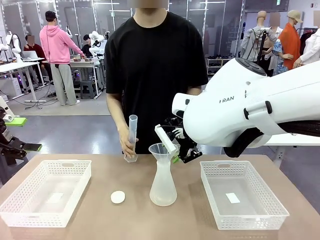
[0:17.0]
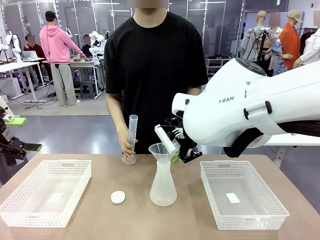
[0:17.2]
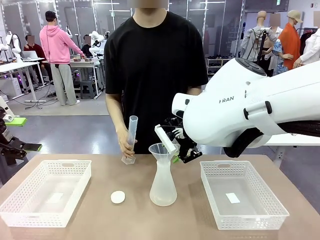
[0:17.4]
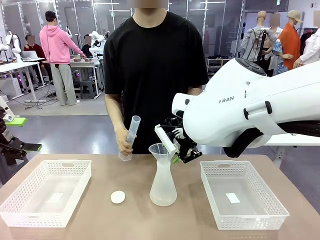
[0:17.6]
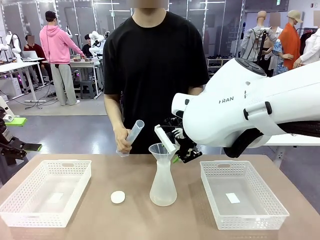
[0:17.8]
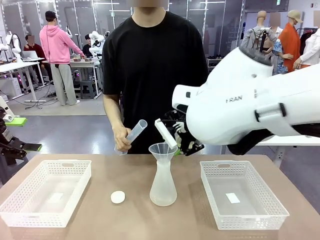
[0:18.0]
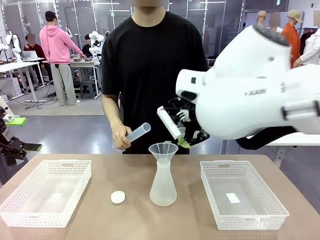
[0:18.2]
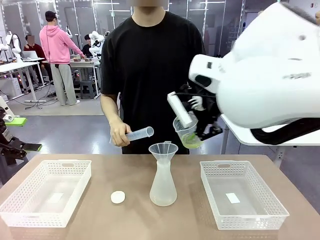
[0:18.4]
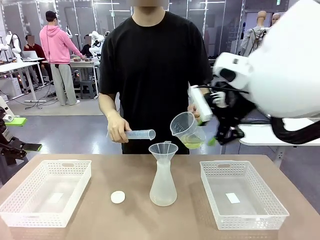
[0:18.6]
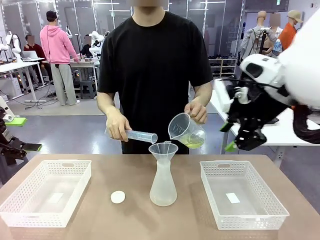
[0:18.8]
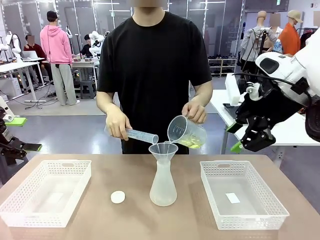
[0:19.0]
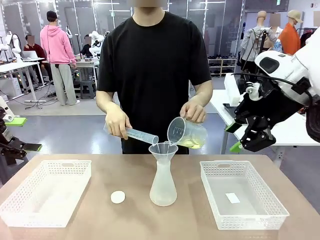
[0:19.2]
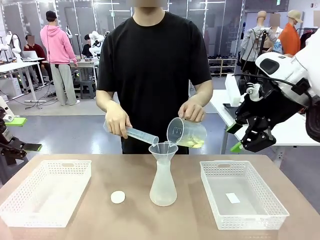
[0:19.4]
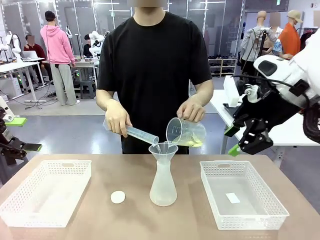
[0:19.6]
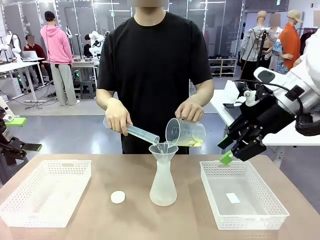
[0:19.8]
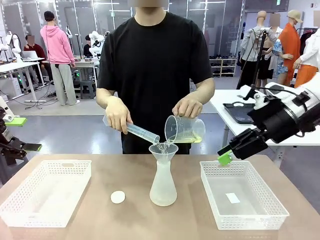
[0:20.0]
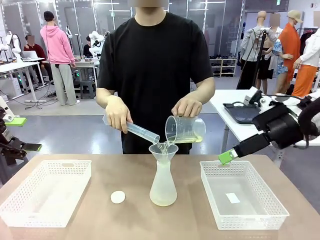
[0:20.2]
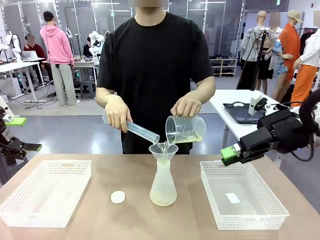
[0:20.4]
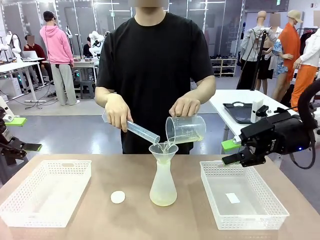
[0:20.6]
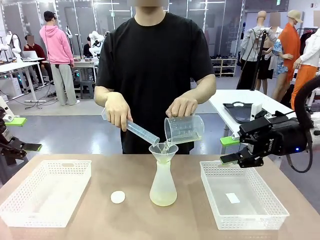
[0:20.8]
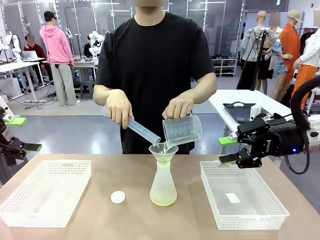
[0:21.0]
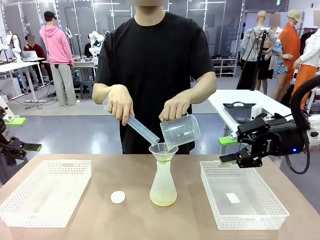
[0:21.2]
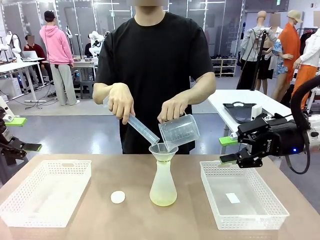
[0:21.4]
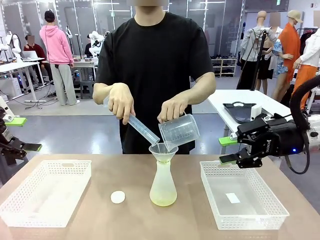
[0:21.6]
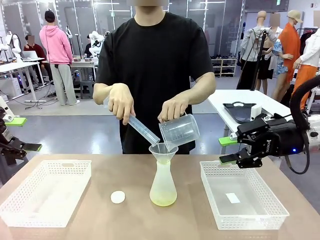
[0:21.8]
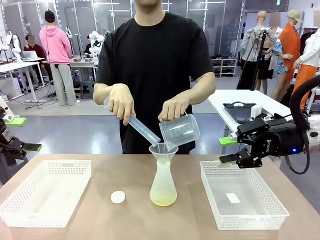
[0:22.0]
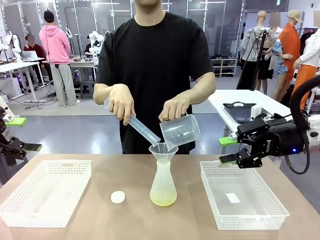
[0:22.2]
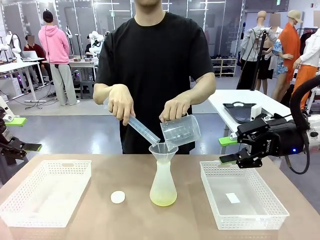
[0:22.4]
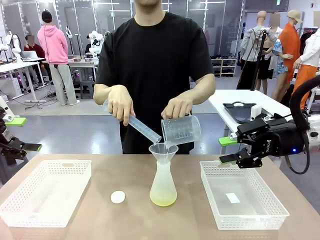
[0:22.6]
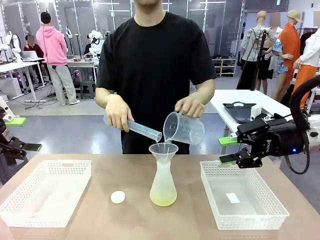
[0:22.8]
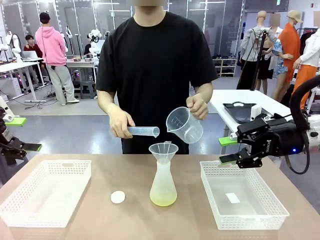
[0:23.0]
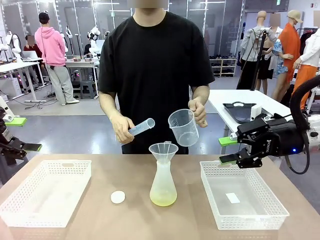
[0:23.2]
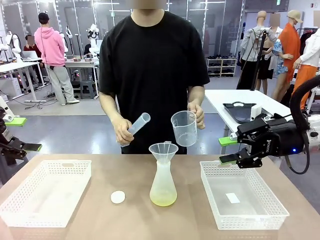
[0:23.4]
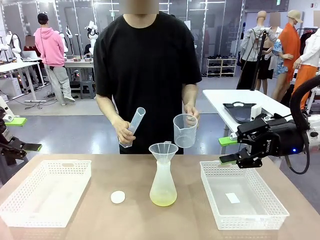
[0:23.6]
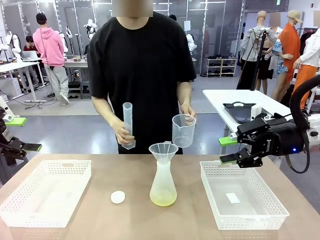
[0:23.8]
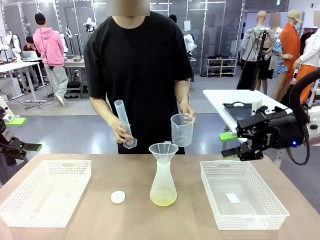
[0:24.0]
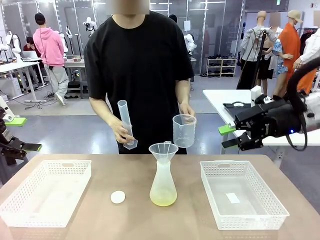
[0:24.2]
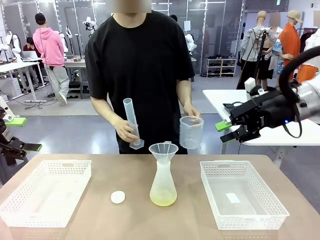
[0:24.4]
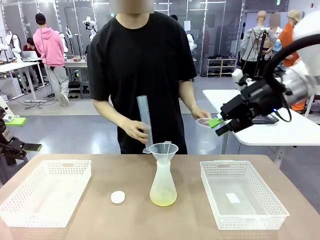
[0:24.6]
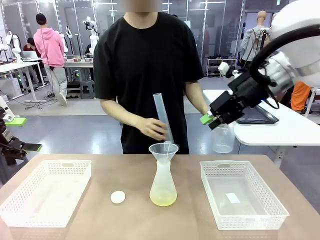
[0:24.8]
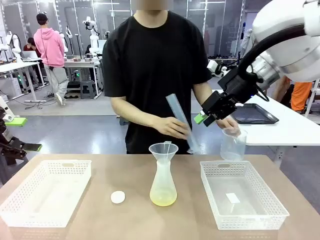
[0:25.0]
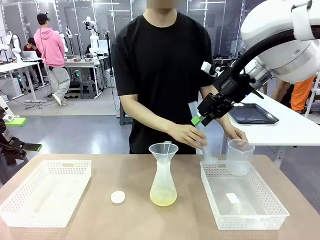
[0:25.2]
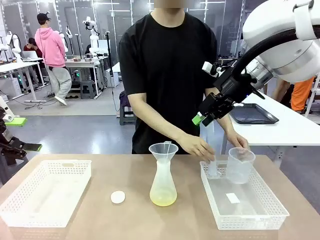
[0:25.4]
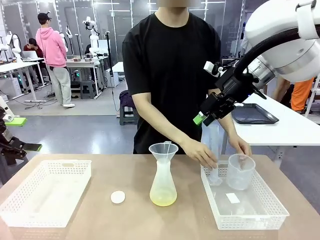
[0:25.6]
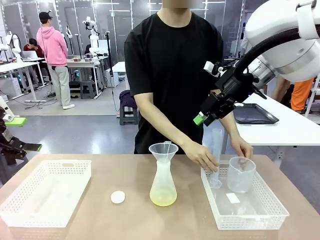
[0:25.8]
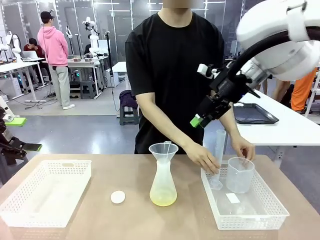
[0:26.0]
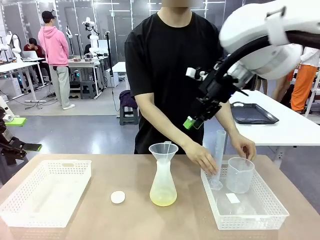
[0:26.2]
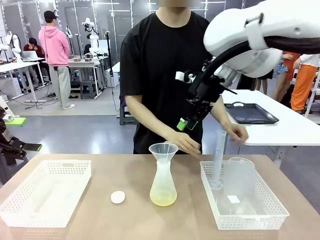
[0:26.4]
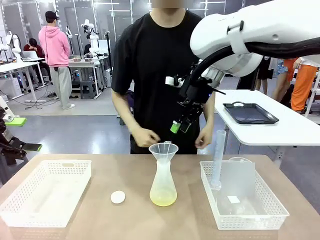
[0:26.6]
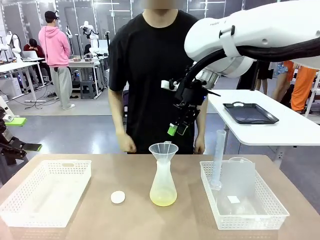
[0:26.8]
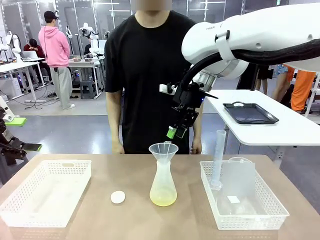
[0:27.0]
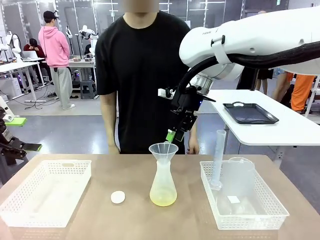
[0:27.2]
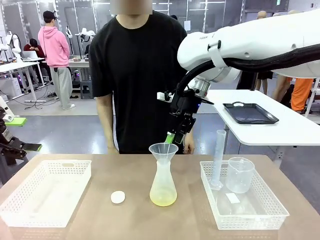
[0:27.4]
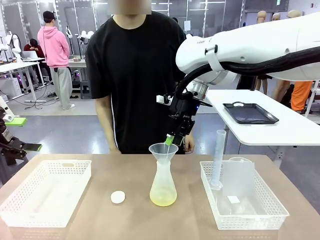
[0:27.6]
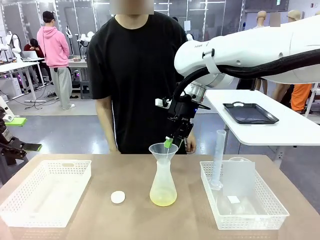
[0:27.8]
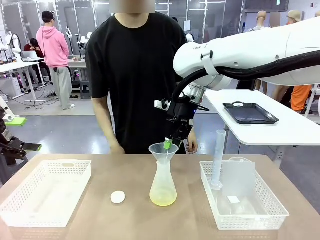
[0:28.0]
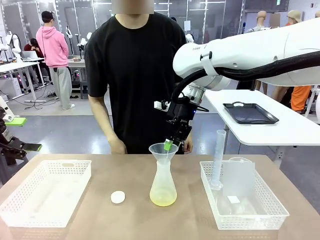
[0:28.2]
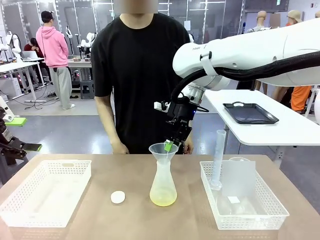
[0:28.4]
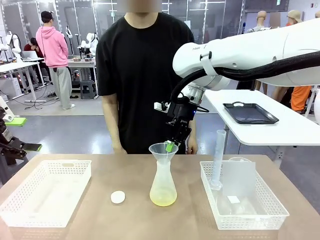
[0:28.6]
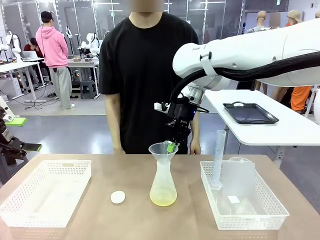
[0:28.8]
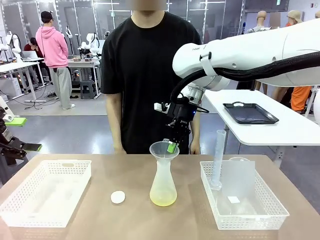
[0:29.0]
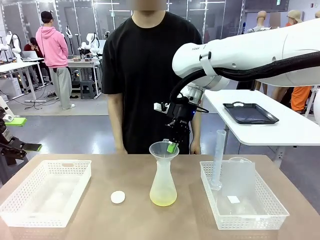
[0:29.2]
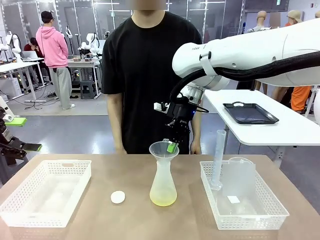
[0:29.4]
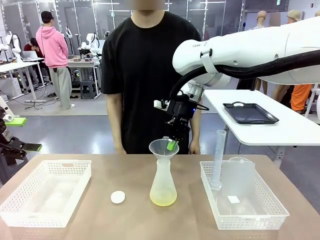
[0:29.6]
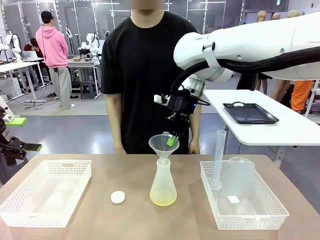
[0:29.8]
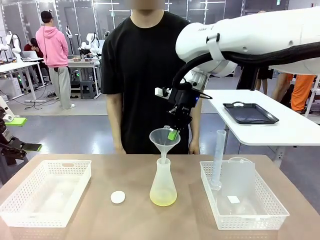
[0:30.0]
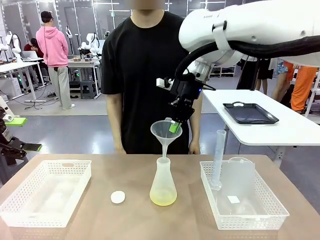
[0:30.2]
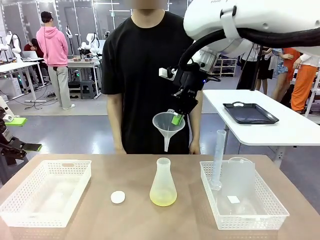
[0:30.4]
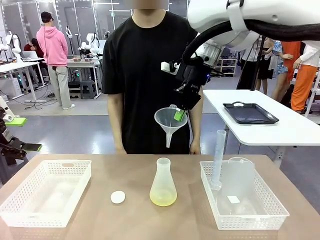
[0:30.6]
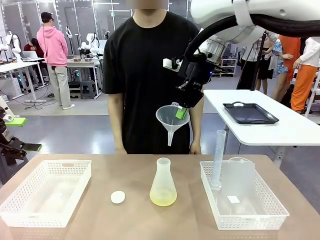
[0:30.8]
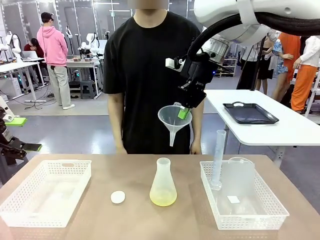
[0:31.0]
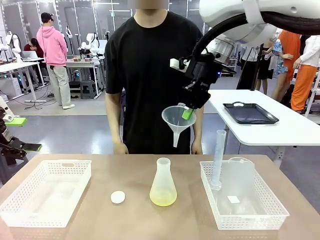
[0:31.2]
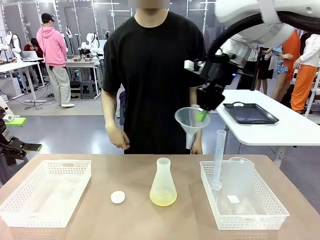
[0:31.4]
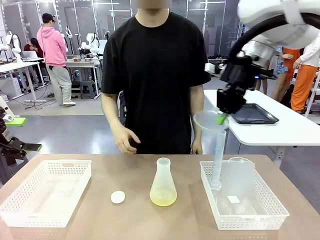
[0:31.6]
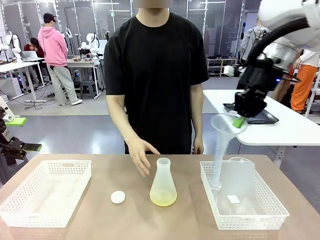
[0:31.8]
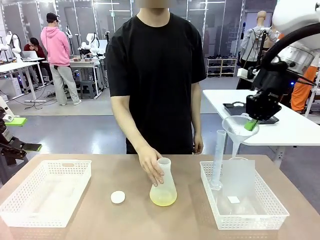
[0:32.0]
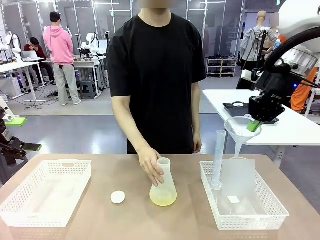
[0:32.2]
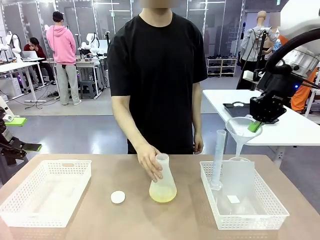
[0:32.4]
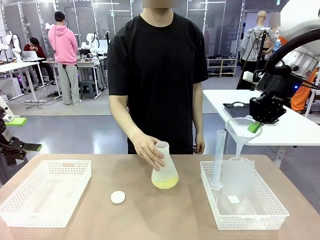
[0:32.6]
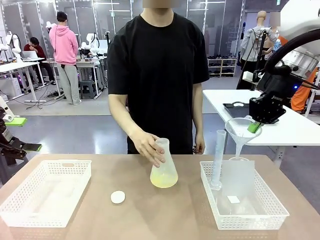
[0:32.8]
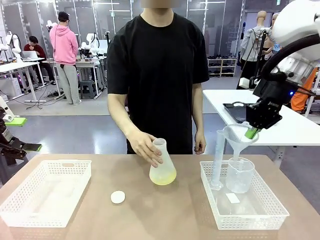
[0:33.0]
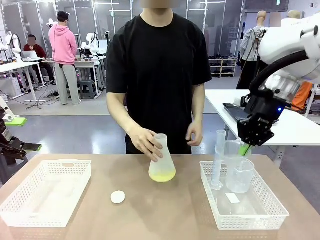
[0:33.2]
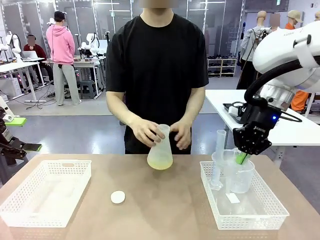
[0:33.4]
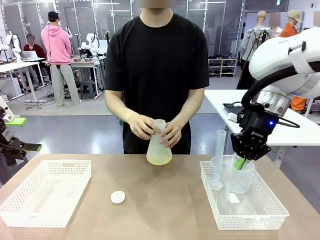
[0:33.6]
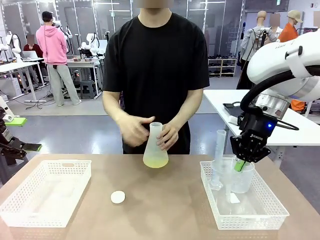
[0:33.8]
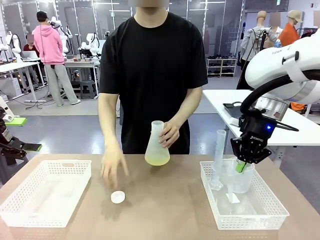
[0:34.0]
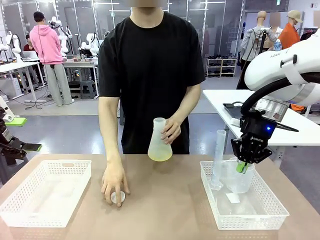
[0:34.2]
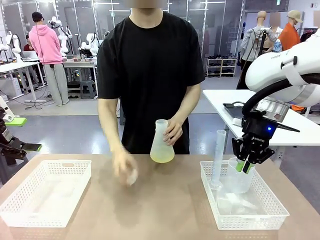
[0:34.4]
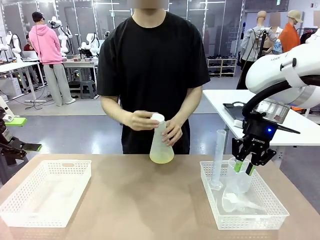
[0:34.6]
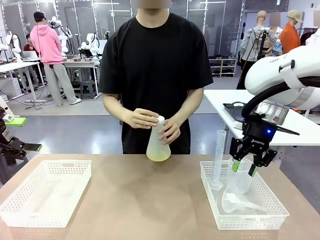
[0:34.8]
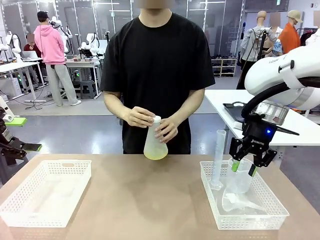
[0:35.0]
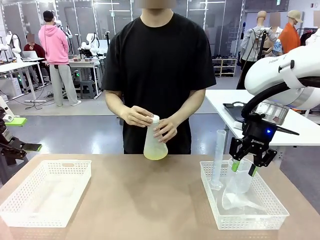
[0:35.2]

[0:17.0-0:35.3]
Task: Prepare the solutions needed for the experiment.
Robot: Once the solution is in the Big flask , pick up the Plastic Funnel and place it back into the right Organizing basket.
Person: Place the beaker and the cylinder into the organizing basket on the left side. Pick up the flask, gently shake it 2–3 times, place it in the middle of the robot table, and close the lid.
